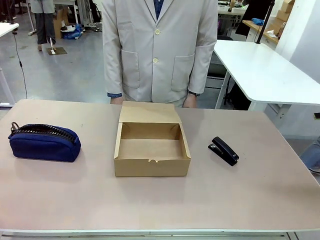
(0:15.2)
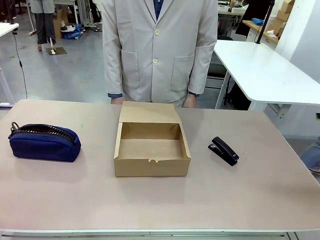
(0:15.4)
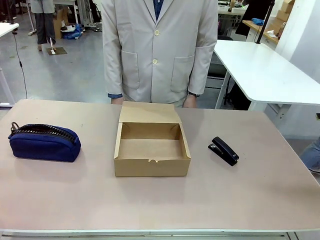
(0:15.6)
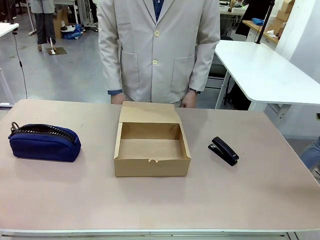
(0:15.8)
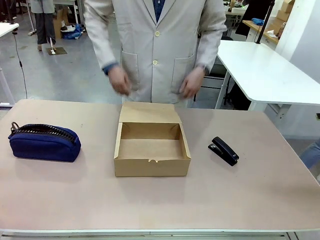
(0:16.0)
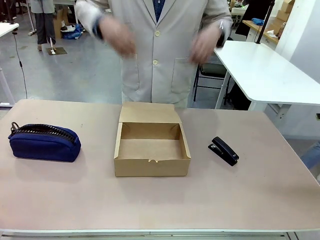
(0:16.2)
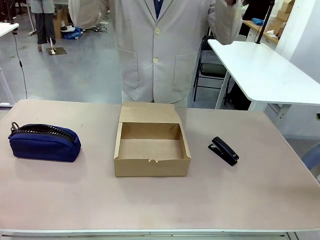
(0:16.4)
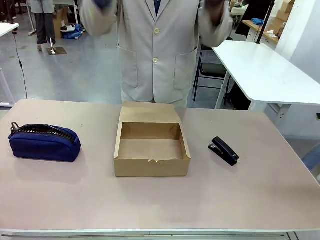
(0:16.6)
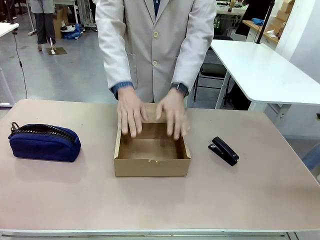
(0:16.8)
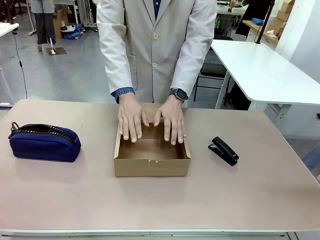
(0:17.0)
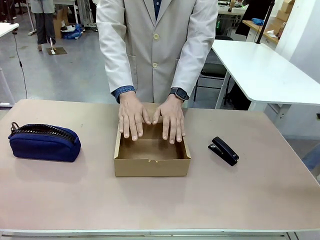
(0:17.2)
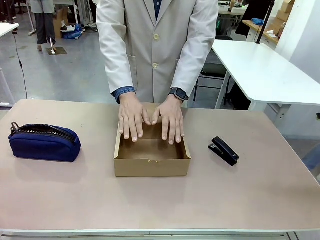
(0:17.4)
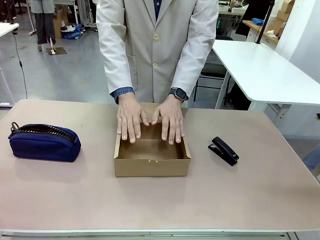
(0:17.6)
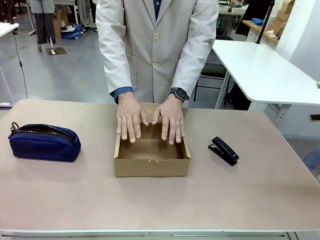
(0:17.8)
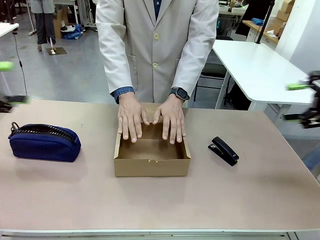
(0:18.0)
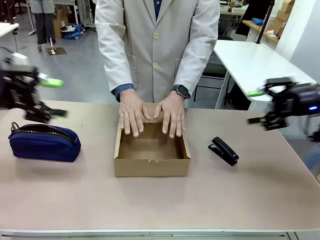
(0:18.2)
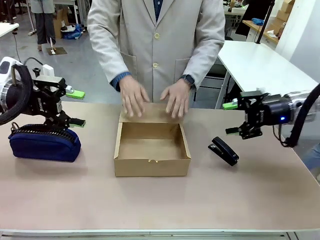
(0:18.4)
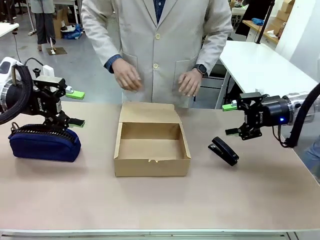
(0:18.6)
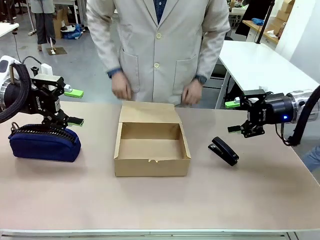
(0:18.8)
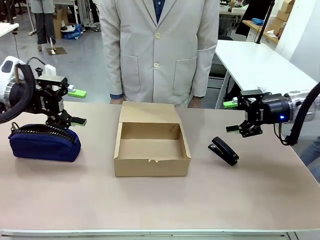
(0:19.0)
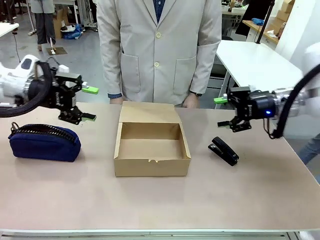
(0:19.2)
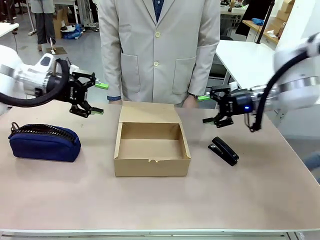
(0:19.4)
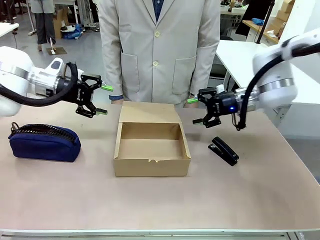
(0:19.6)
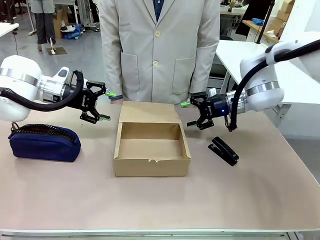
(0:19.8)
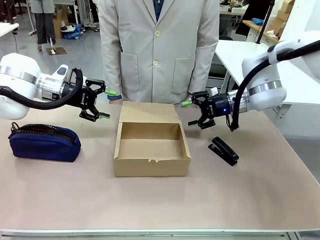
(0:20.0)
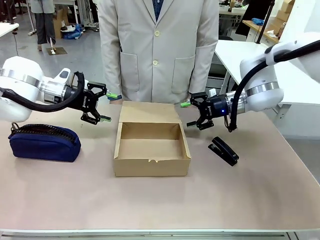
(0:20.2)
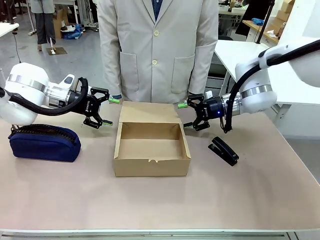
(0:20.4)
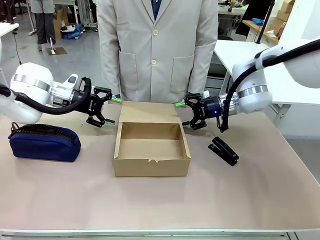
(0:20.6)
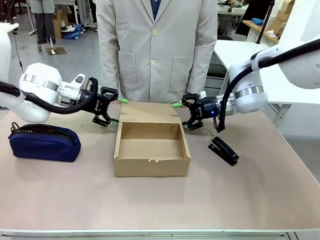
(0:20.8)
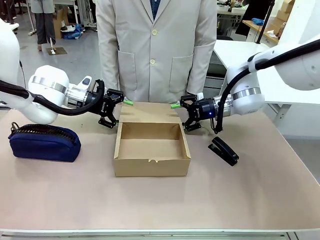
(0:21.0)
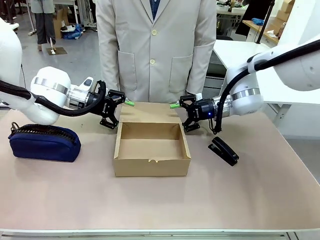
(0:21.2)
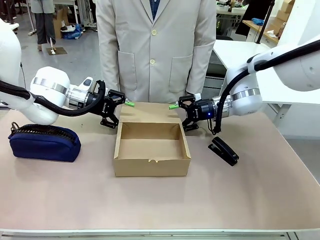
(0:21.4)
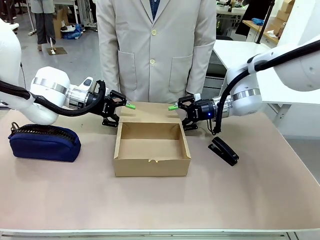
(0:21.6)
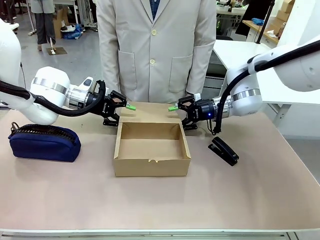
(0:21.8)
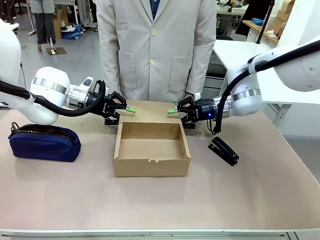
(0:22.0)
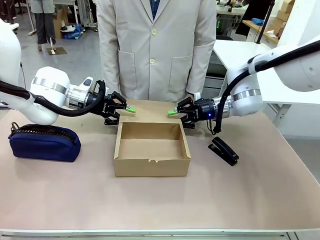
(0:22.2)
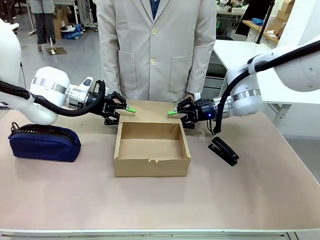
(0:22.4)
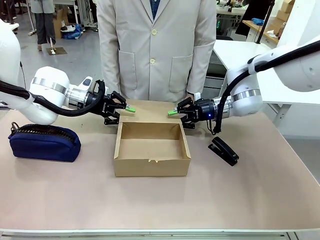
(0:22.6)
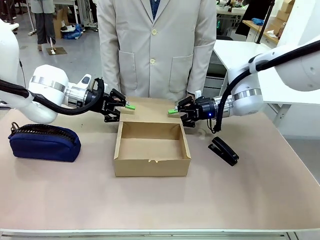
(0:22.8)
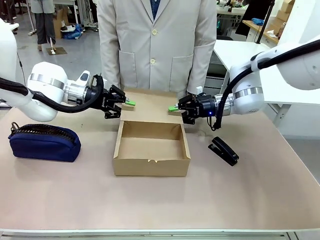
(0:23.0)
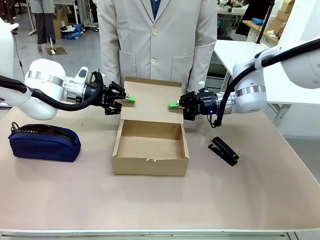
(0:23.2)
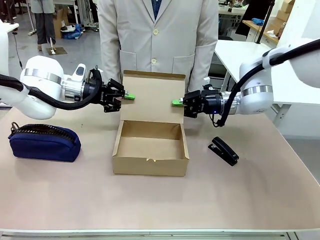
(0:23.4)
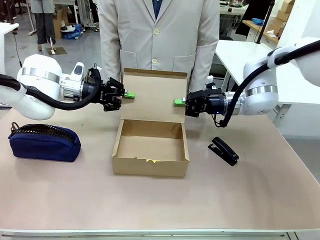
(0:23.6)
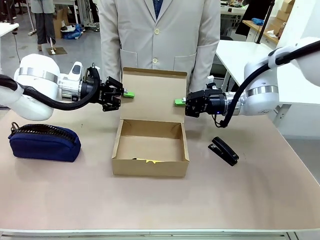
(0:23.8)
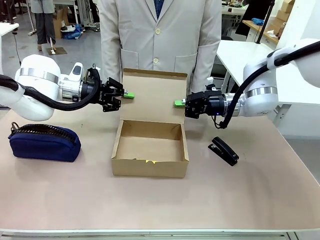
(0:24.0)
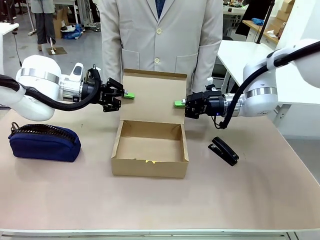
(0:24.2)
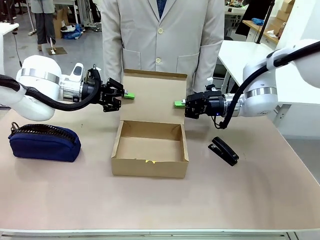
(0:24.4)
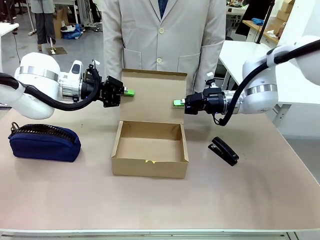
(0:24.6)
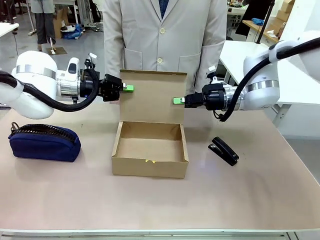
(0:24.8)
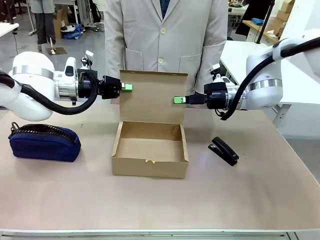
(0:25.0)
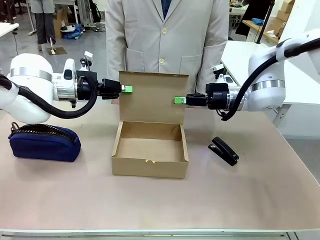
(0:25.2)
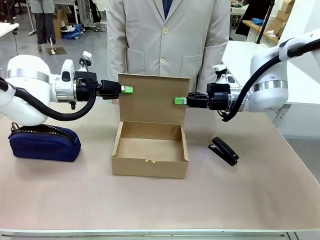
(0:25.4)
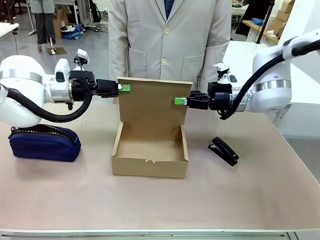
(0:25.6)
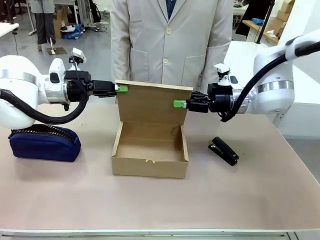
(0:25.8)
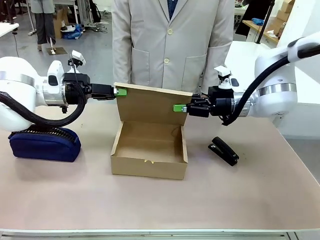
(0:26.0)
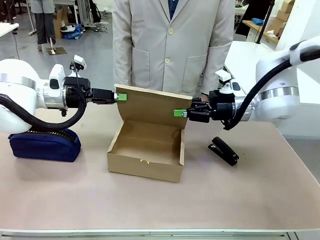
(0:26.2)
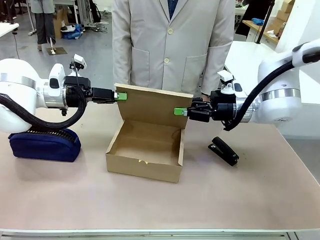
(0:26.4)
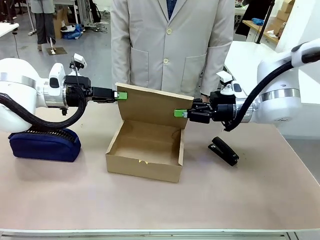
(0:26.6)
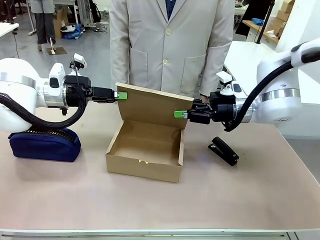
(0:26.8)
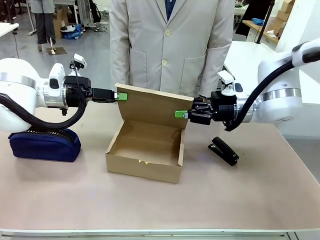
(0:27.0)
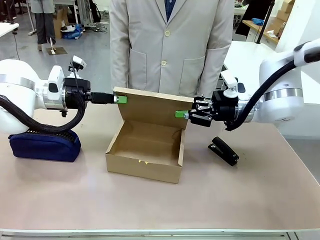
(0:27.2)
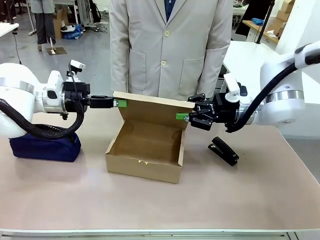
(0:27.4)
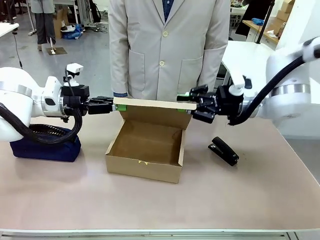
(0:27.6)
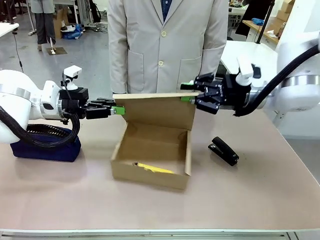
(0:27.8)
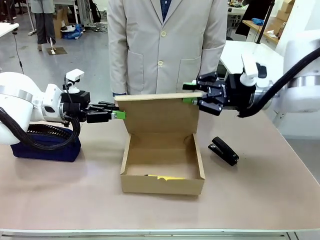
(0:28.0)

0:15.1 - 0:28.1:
Task: Pack the item into the box.
Robot: Close the Mailer Box.
Person: Lower both hands vertically with palms facing downward, as if pressing something closed.

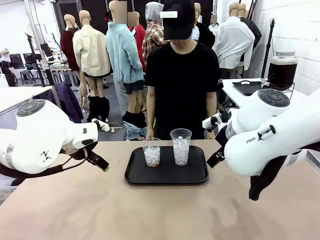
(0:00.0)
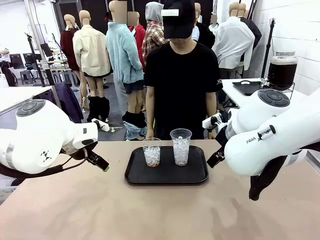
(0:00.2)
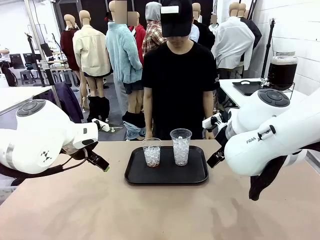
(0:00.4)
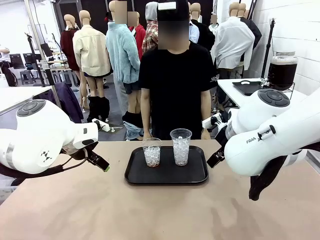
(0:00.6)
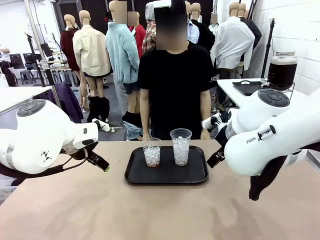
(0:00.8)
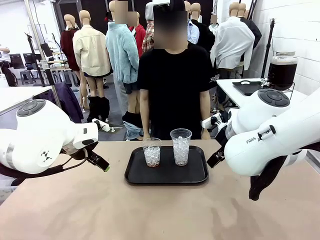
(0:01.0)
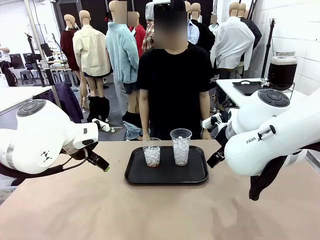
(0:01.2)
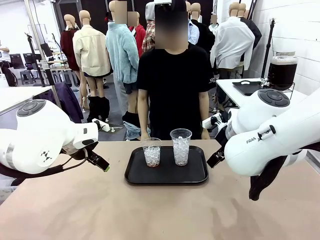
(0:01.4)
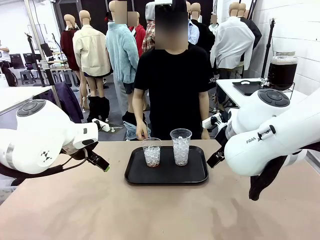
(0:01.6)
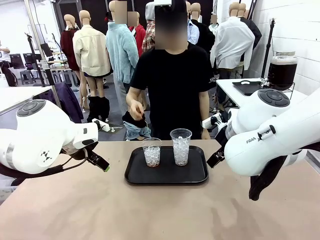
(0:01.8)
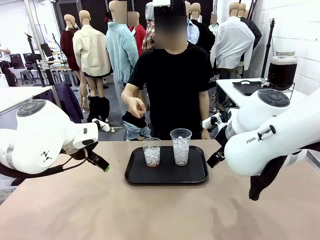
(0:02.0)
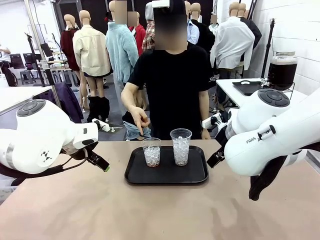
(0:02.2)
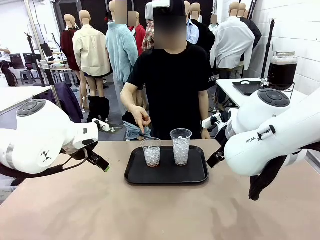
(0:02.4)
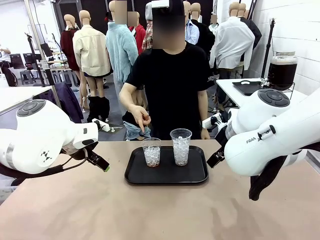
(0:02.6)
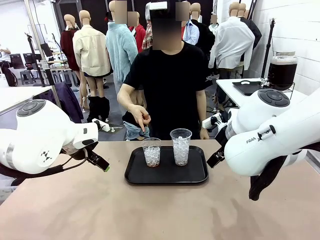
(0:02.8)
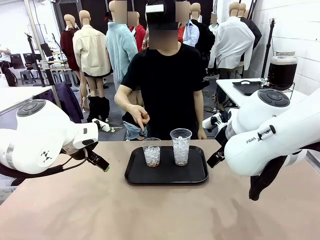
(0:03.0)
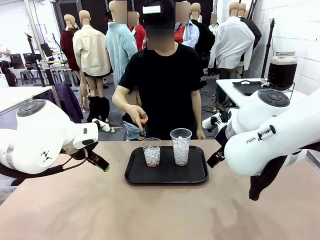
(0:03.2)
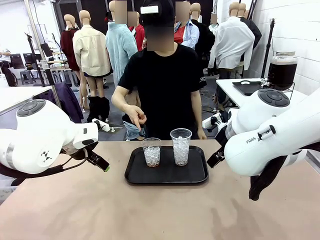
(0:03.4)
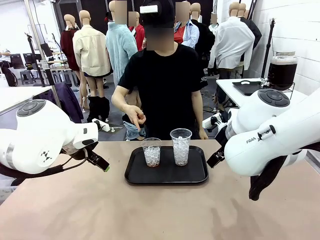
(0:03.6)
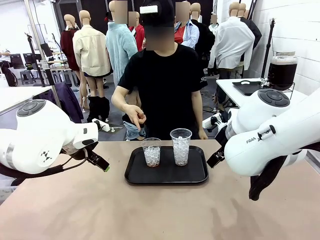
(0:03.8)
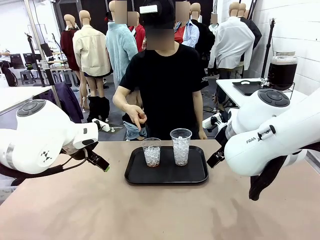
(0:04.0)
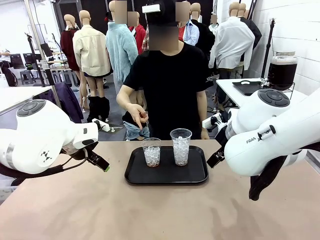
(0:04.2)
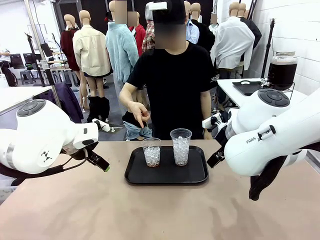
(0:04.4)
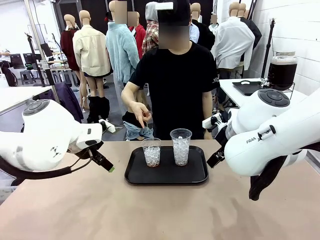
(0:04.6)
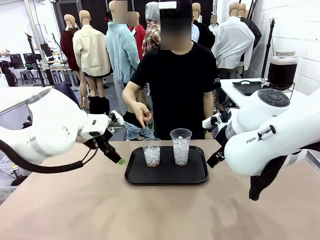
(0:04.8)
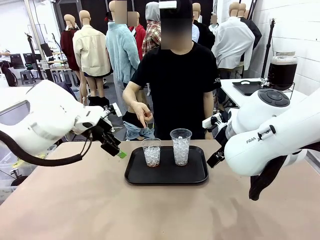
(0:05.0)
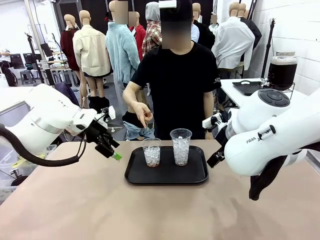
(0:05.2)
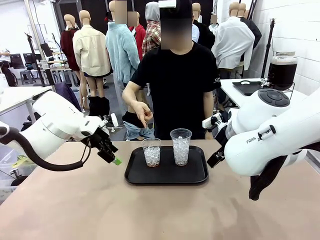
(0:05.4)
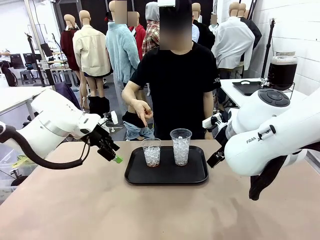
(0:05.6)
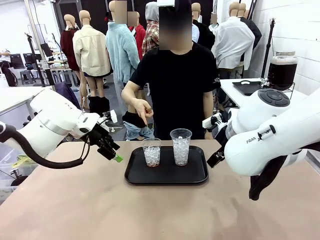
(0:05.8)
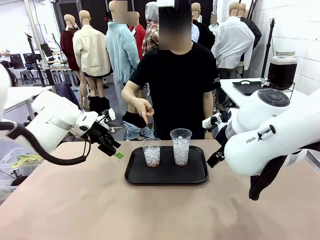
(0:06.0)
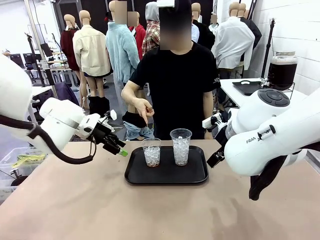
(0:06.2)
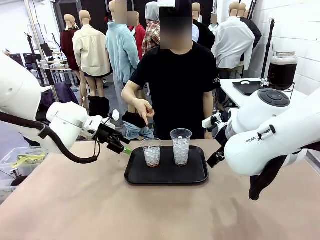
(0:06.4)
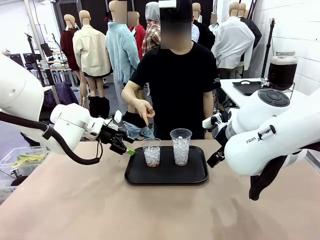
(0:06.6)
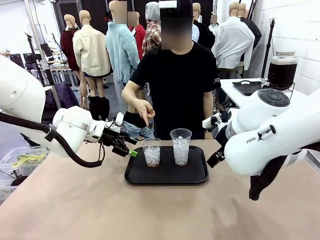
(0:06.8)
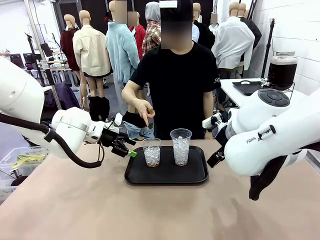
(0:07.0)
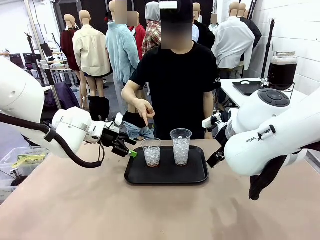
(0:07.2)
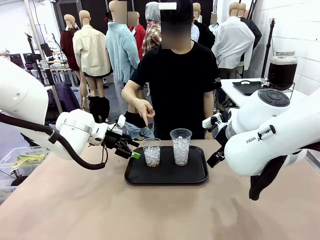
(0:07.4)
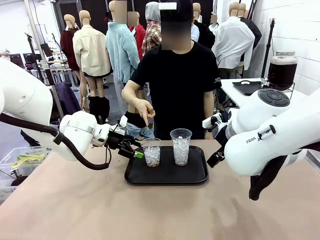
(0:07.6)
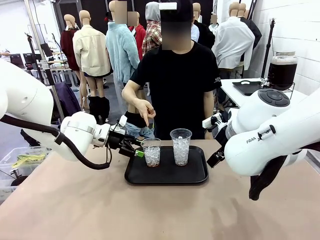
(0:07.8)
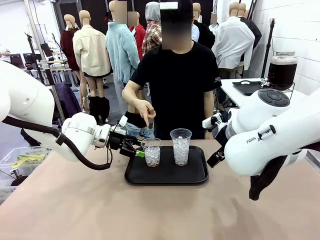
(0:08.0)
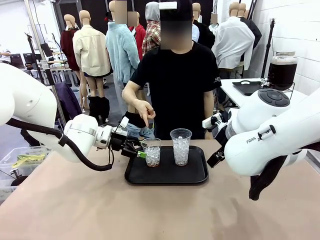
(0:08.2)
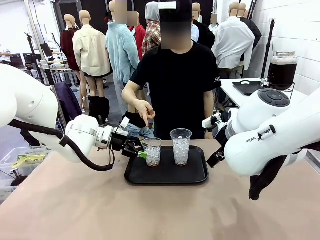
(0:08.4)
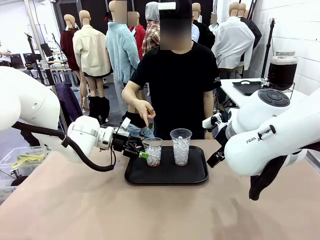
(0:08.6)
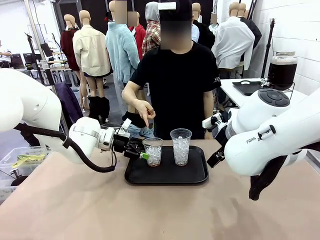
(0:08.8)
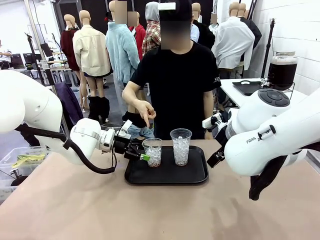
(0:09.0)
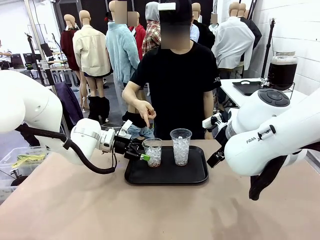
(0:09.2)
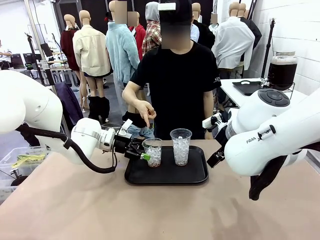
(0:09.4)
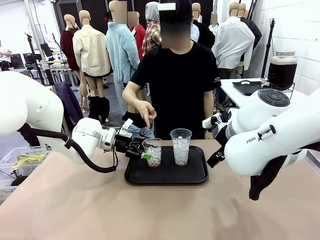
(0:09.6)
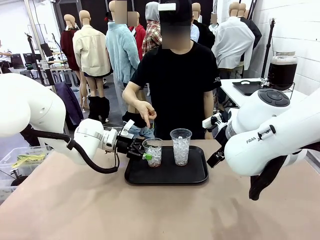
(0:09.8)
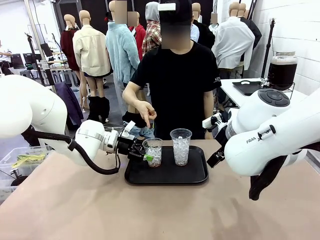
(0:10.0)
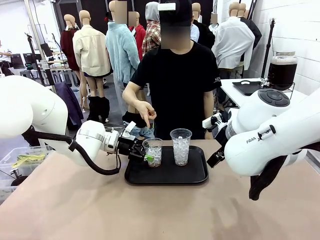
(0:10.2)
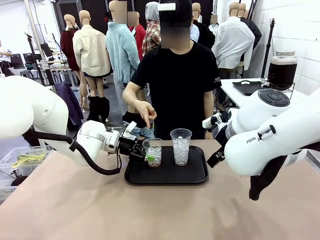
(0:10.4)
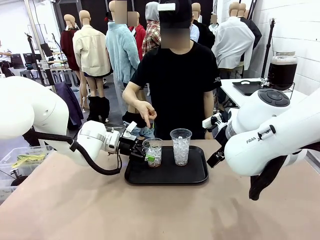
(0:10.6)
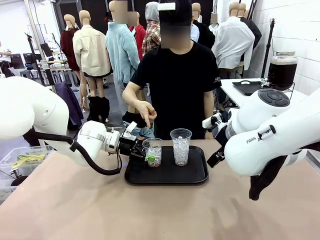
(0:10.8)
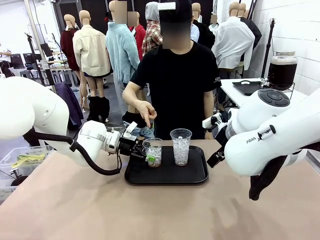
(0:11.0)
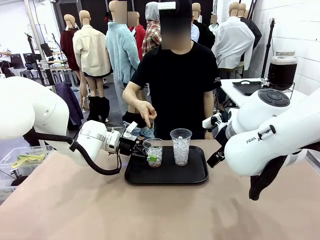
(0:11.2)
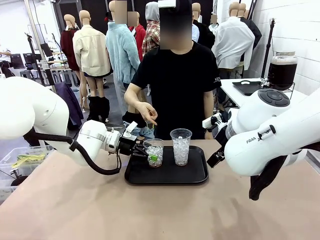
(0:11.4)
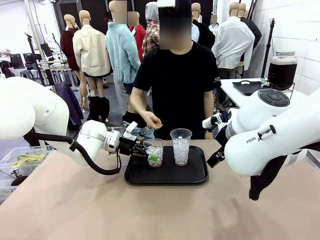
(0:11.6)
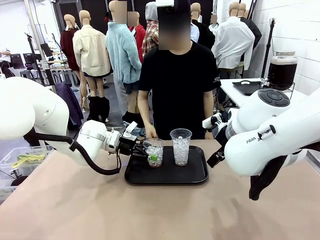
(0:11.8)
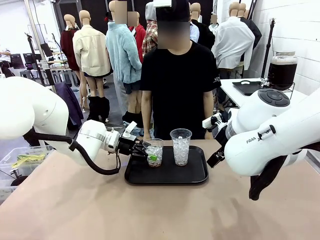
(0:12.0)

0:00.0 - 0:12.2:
Task: Pour the drink into the iced cup.
Robot: Pick up the iced cup indicated by the human and present it to them.
Person: Point to one of the two ice cups. Pick up the cup offered by the robot.
